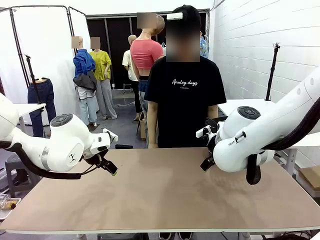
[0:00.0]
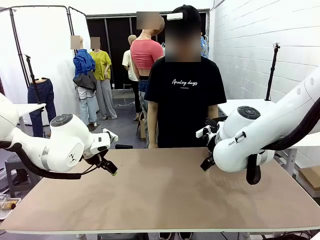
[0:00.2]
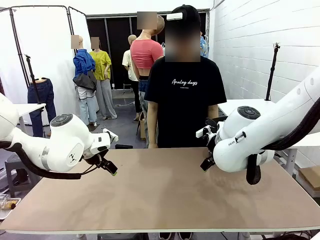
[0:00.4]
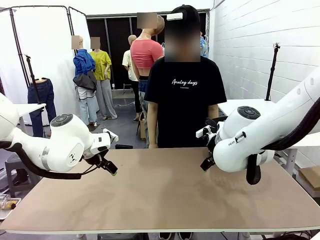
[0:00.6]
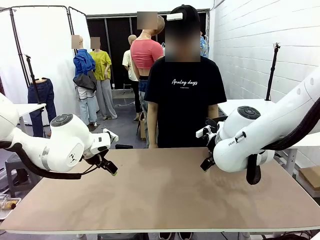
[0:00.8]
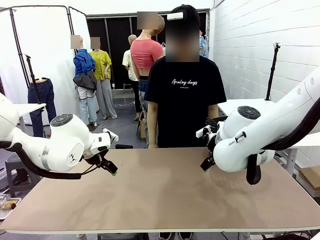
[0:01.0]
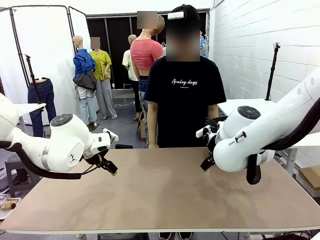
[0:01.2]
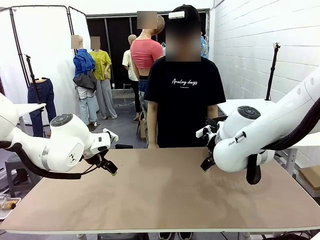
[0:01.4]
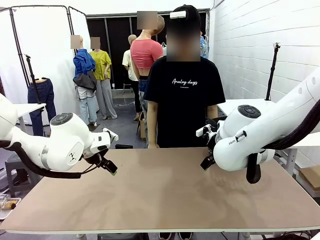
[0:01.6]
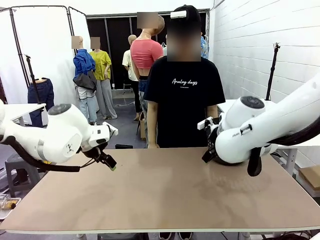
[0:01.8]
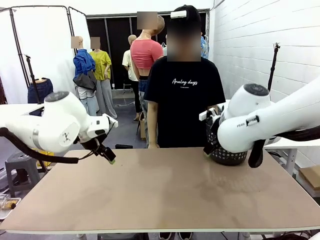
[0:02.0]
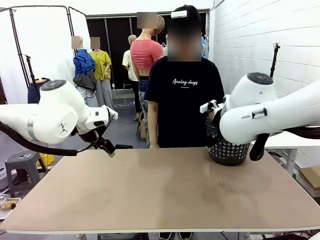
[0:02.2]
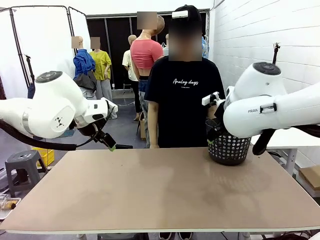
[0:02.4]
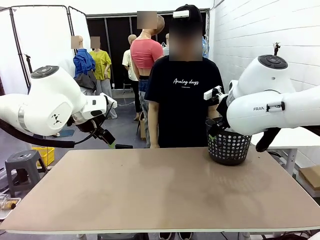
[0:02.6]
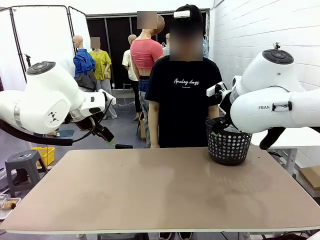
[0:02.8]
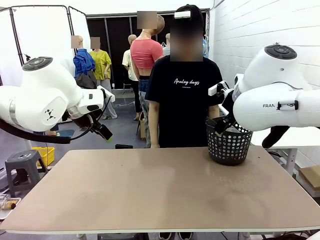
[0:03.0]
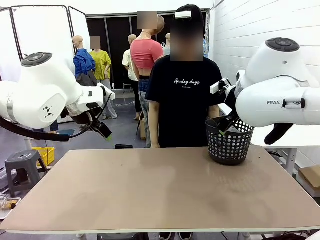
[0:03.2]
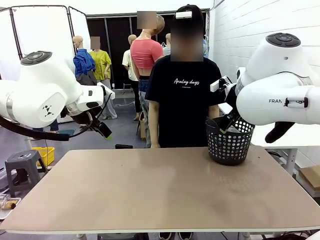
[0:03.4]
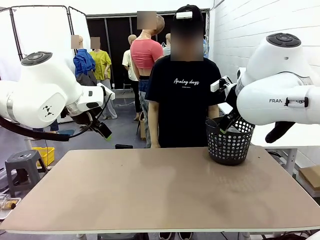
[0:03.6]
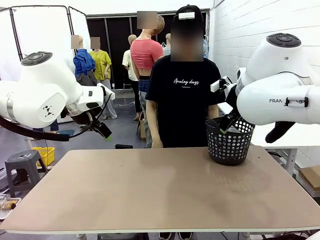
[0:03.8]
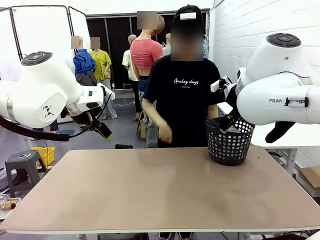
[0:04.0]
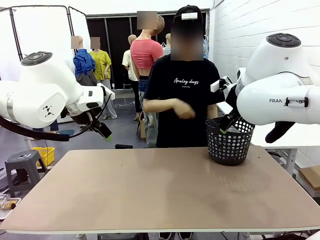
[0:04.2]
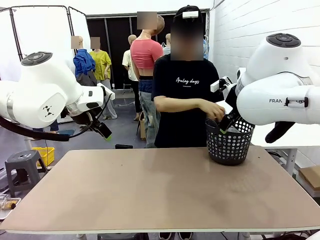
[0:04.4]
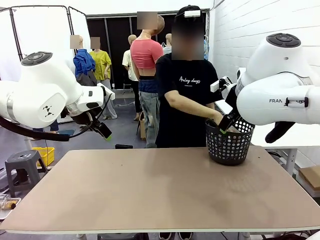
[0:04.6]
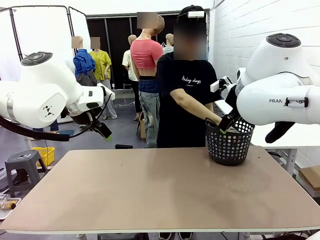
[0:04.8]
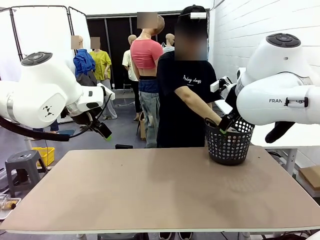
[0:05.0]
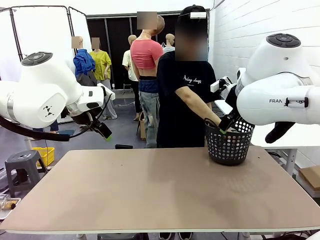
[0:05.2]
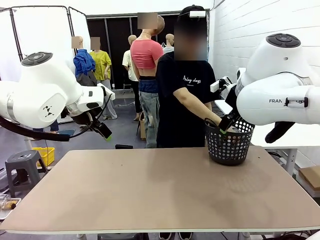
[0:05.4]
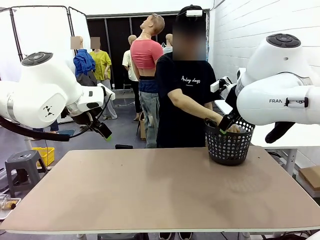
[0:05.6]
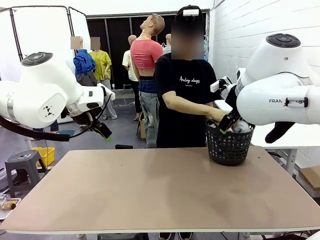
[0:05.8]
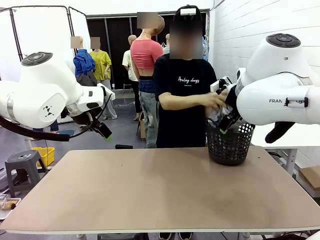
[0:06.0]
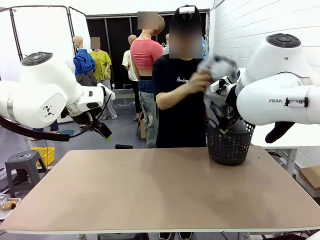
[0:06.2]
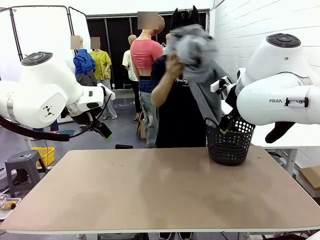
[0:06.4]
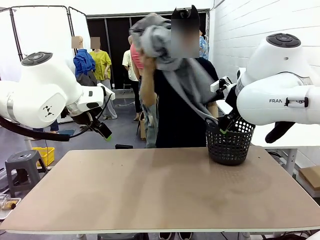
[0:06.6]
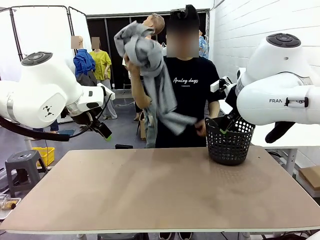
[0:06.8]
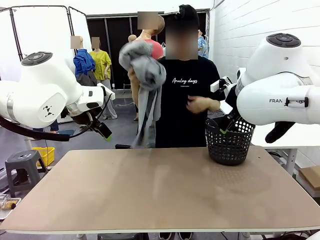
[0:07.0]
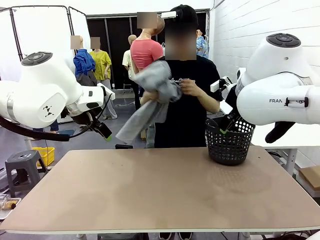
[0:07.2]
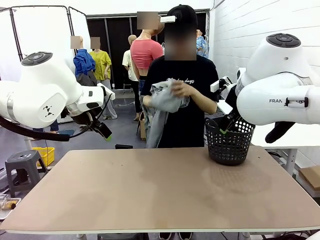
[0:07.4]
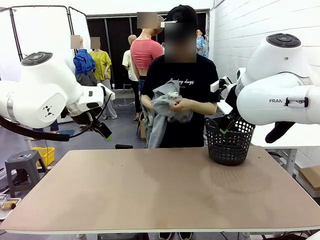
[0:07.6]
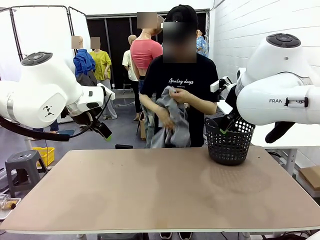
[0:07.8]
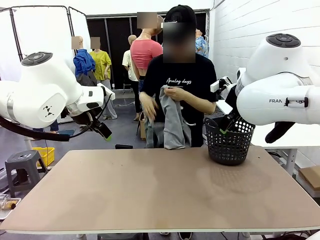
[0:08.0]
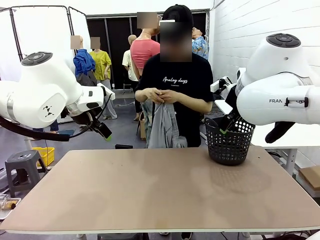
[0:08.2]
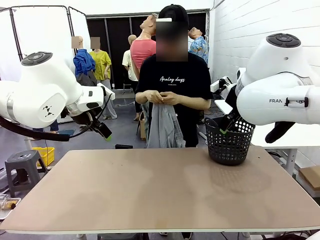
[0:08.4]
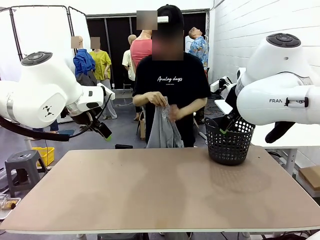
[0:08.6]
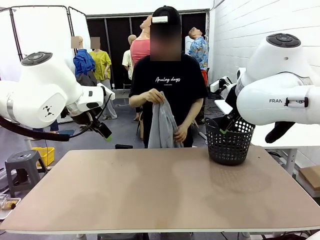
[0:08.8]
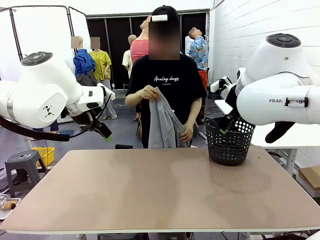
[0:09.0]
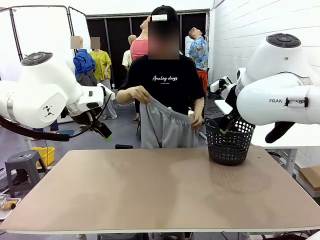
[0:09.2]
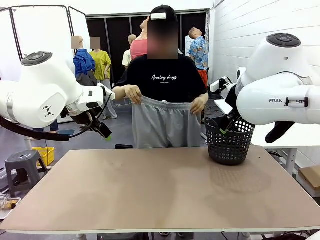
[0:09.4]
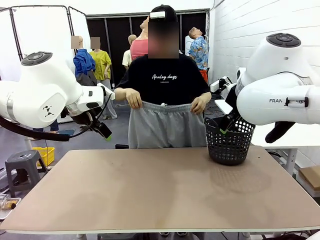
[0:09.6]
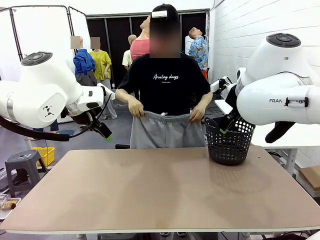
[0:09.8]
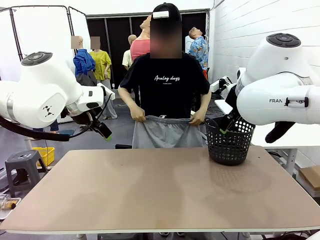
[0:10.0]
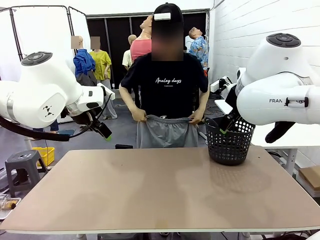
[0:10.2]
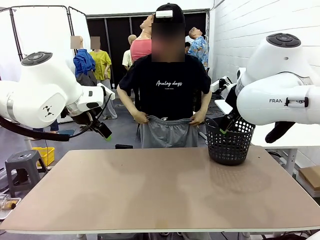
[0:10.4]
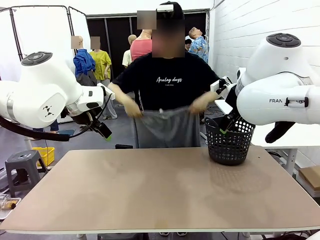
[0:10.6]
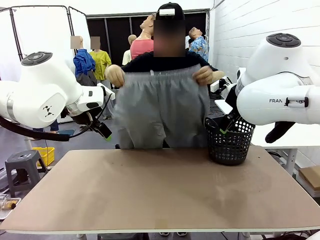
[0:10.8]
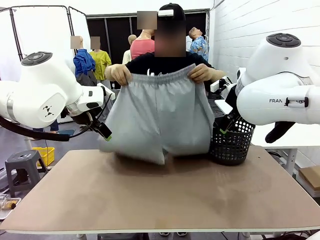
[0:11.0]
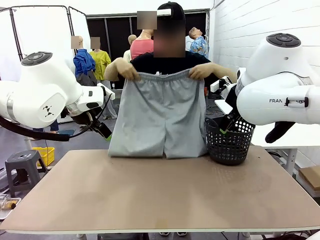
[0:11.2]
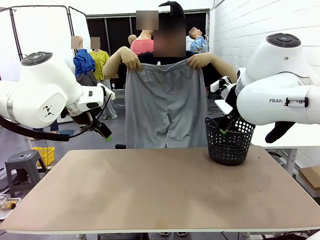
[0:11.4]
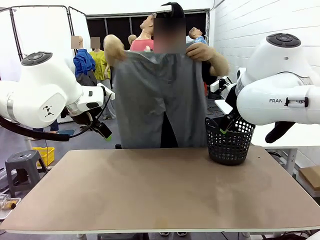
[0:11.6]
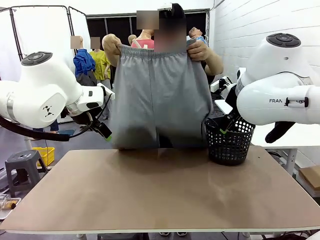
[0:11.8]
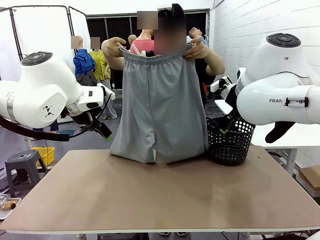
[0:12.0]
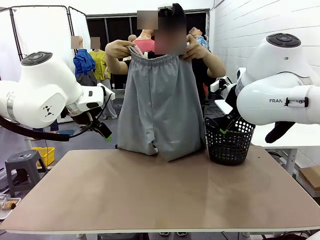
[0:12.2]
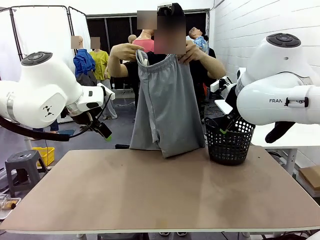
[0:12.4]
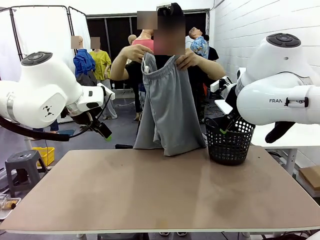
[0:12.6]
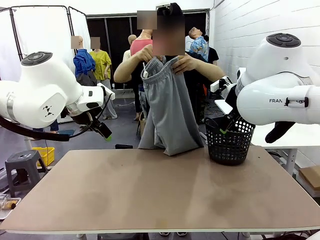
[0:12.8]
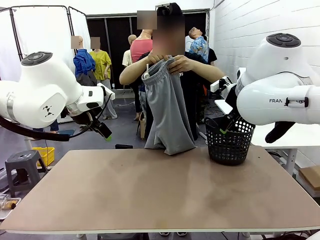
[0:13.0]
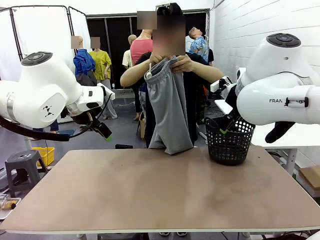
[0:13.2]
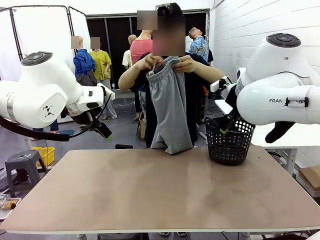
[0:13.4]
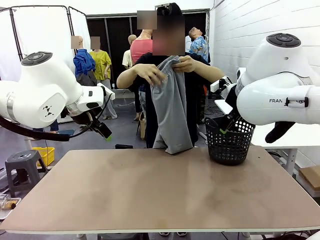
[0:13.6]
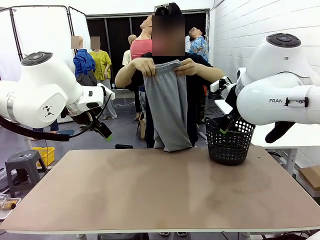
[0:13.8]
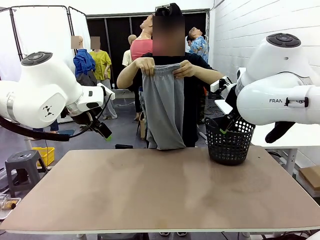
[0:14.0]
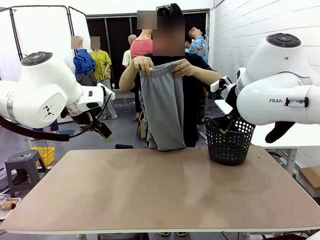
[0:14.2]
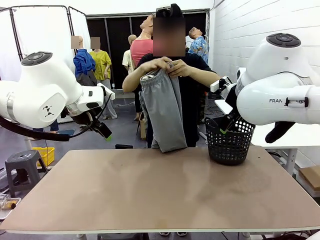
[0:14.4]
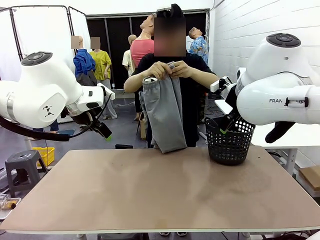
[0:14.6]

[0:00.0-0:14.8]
Task: Fold the training pants.
Robot: Grab both ends of the Training pants handed by a person.
Person: Take the long pants out of the laundry basket, unfold them, fold the waist in half, and extend them so the robot can pick up both corners.
